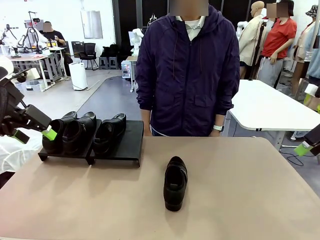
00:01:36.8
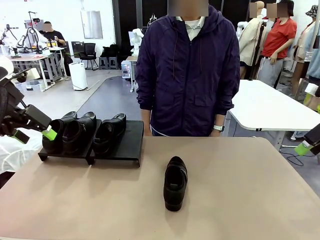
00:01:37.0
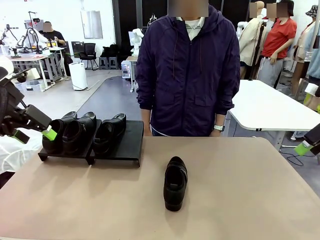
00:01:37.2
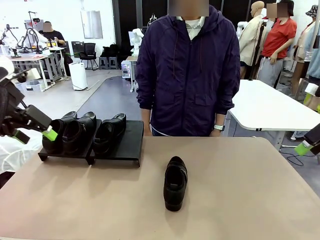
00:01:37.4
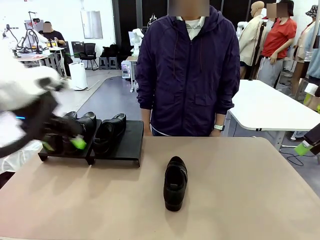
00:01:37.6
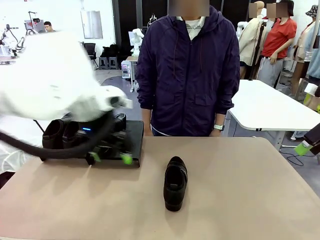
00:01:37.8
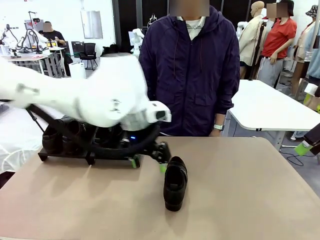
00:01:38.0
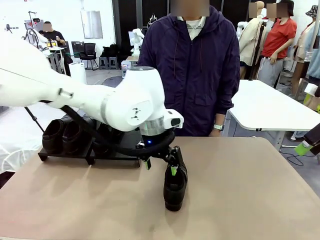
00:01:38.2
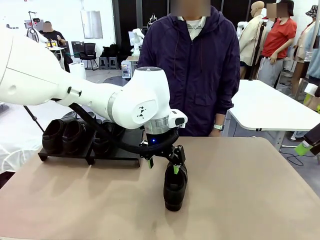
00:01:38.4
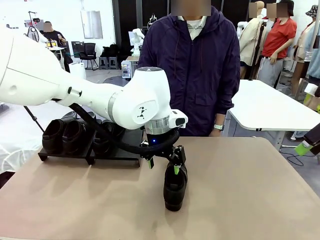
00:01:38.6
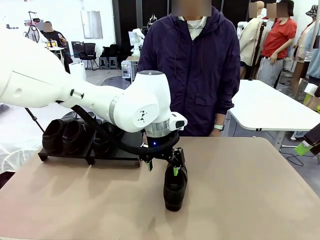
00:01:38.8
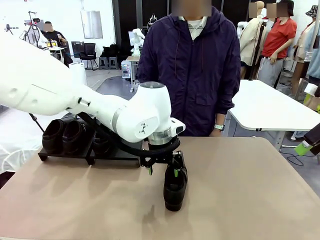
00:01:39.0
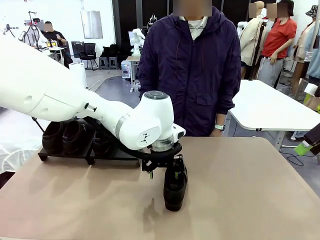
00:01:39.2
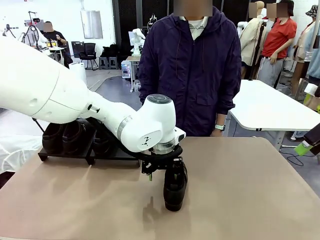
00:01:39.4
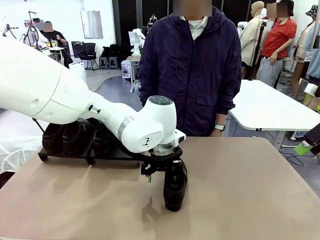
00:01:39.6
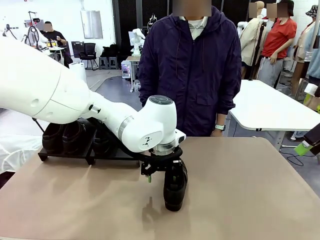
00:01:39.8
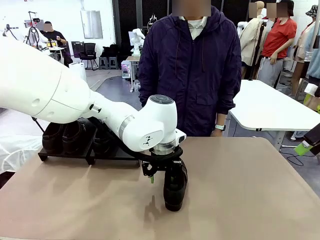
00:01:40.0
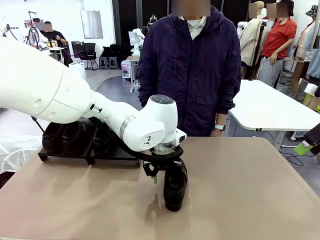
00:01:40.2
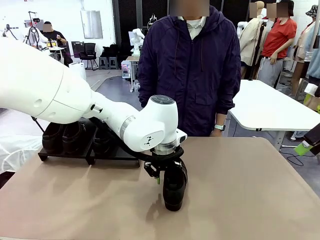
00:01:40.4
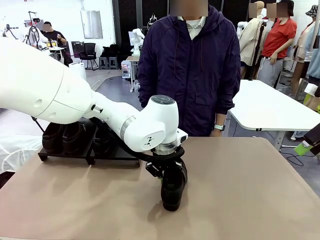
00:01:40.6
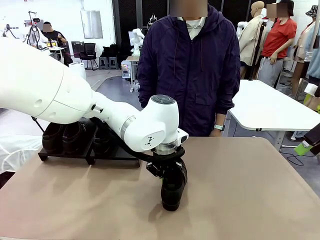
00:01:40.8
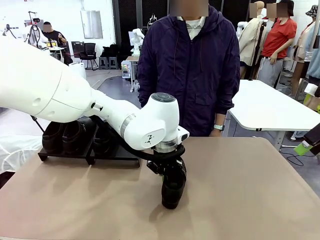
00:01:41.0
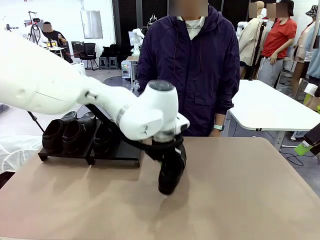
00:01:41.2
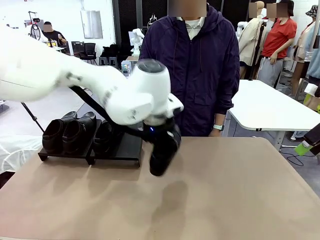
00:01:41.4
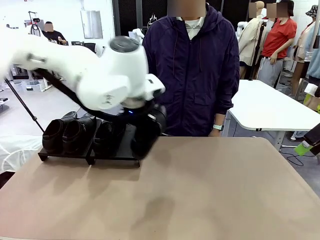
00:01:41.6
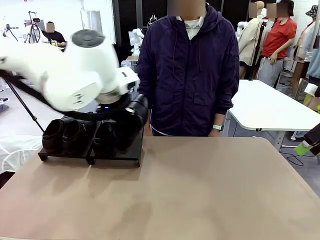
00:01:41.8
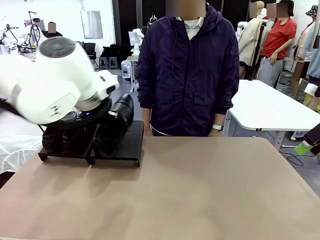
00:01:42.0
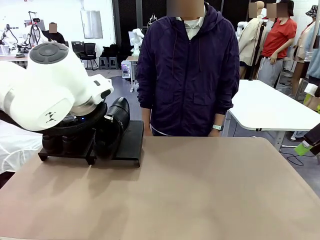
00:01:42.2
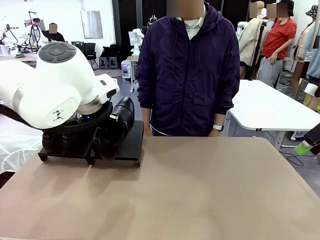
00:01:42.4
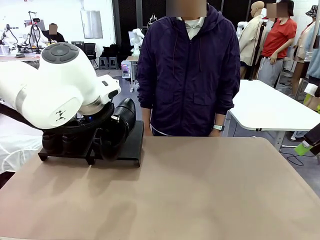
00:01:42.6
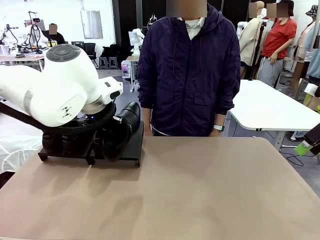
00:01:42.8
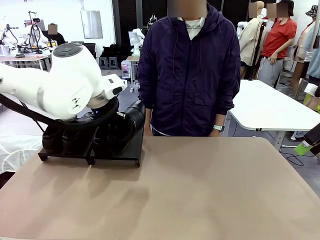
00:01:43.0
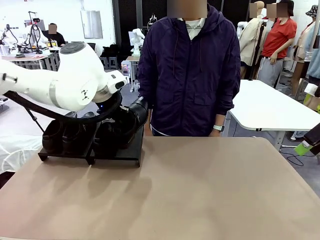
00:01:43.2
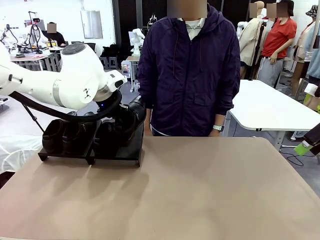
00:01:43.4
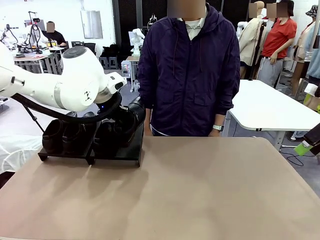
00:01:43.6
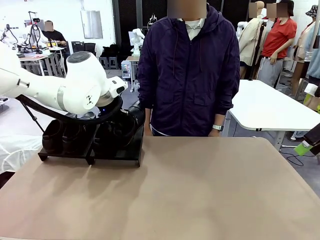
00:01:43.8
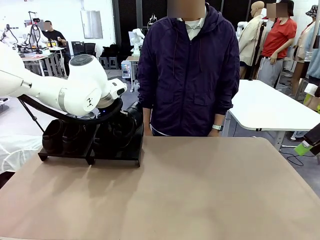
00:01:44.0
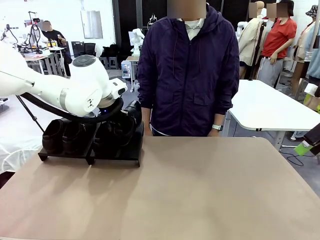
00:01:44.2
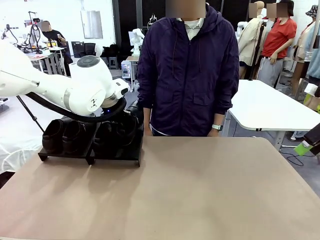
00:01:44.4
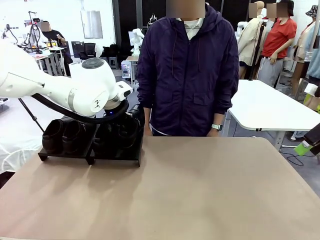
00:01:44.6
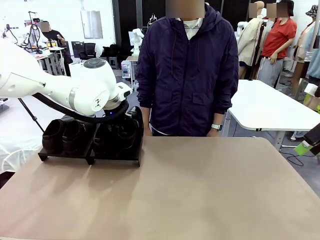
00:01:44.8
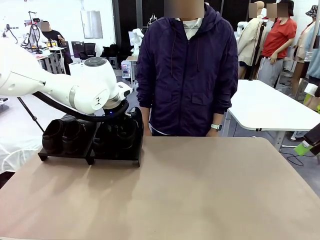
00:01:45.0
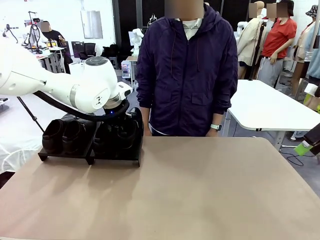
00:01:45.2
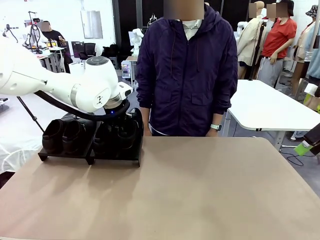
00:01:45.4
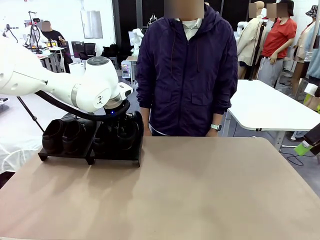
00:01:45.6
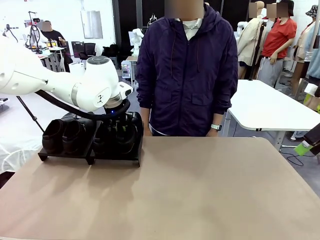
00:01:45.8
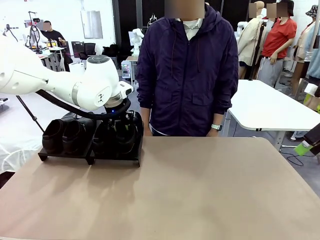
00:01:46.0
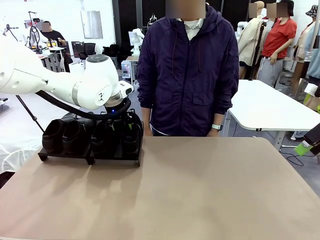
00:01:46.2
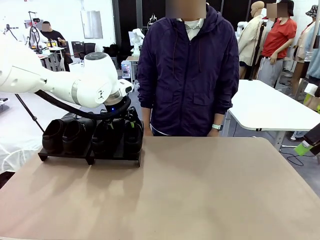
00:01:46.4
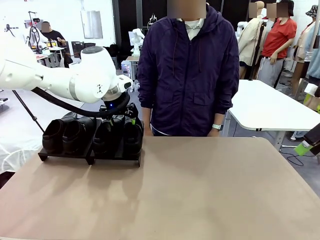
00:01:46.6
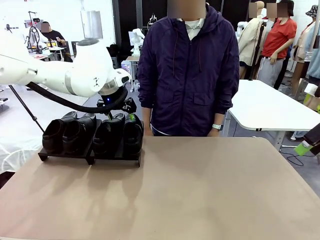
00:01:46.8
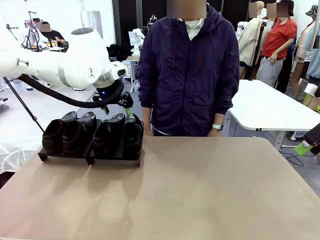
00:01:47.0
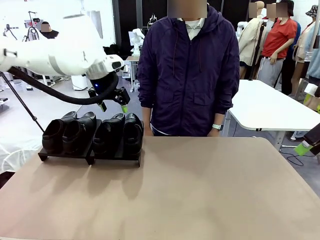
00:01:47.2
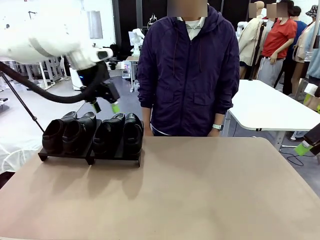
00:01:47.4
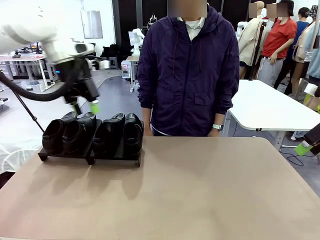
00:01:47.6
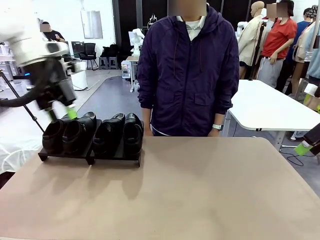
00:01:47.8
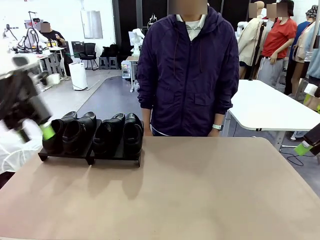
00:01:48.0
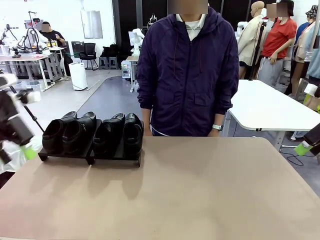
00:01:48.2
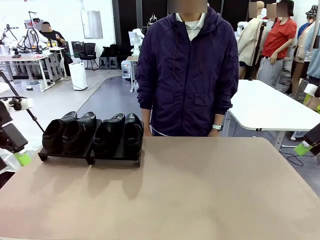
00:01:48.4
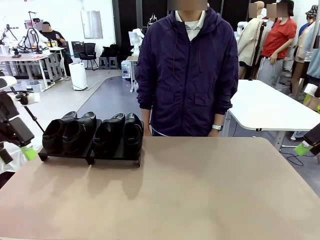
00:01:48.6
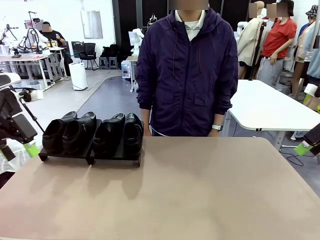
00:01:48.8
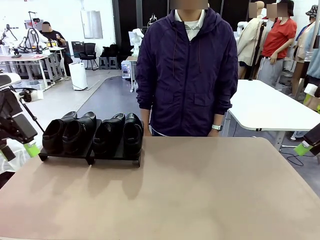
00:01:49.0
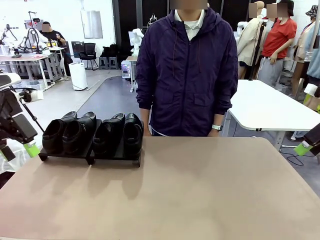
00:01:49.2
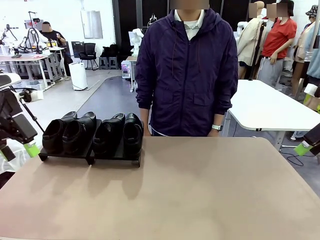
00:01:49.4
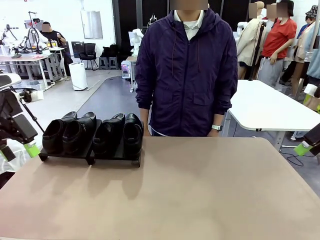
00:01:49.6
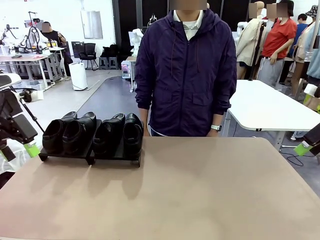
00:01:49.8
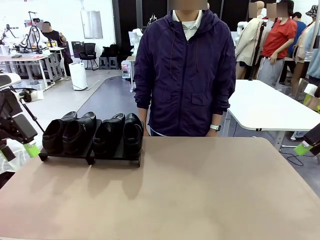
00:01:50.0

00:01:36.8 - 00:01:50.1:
Task: Organize the shoes by placing them on the stand.
Robot: Place the Shoe from the middle of the table onto the Shoes Stand.
